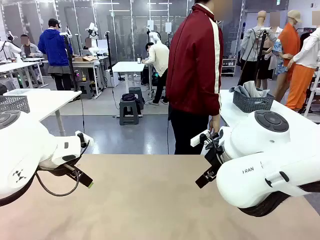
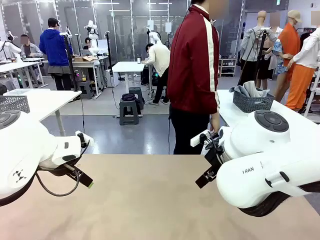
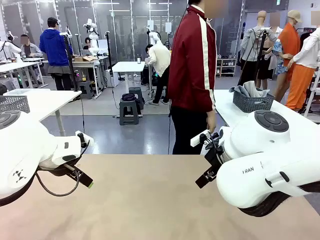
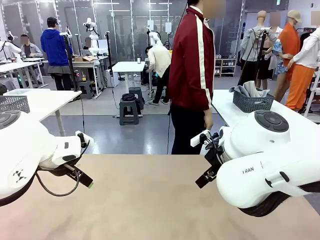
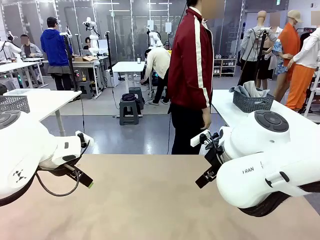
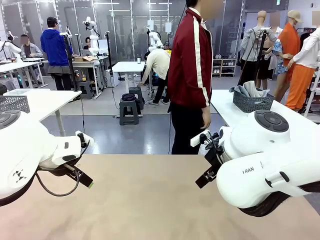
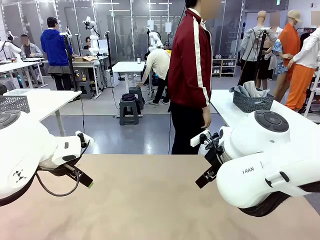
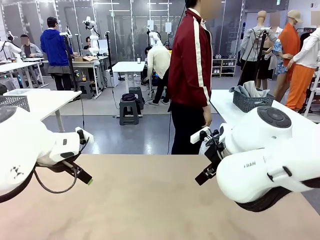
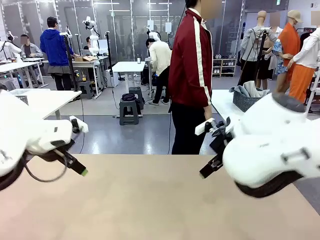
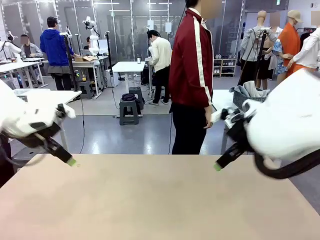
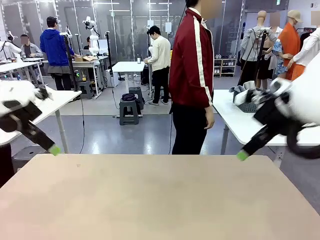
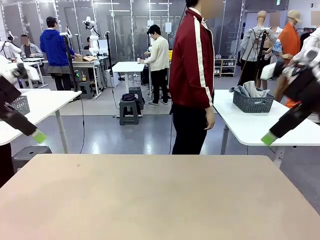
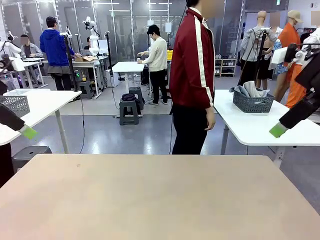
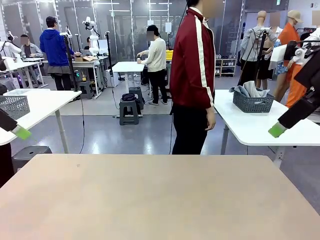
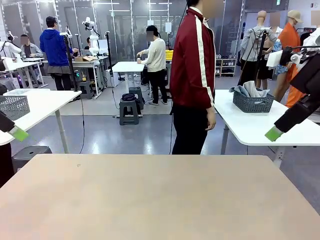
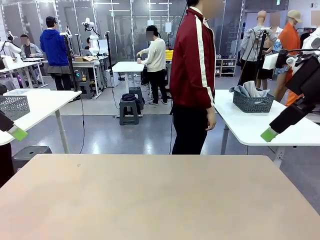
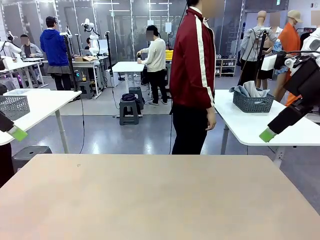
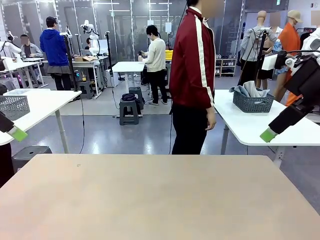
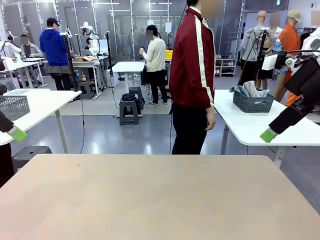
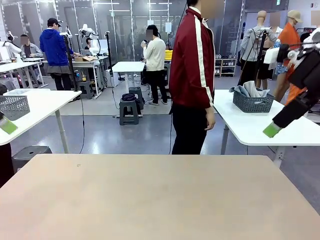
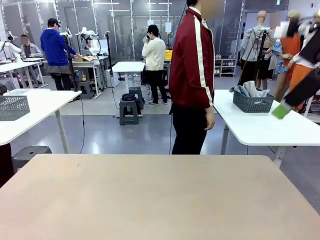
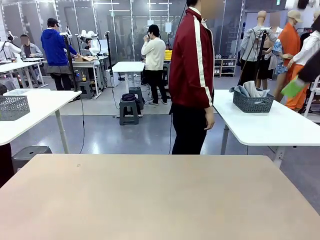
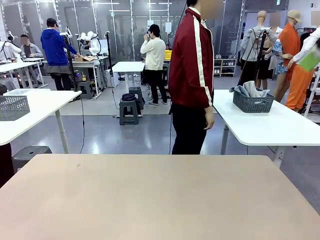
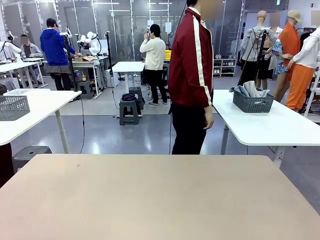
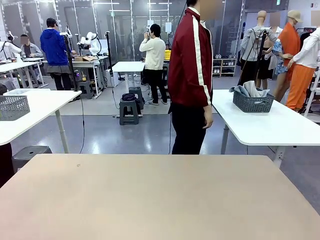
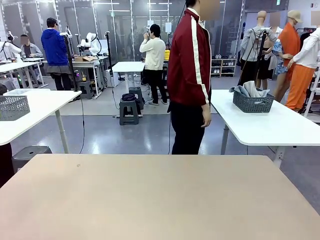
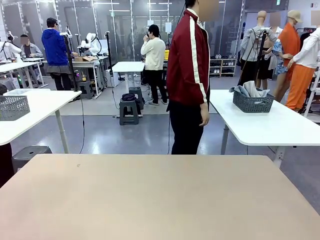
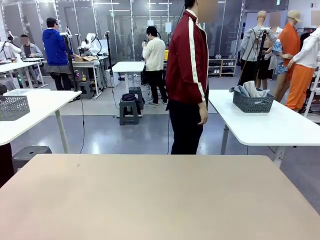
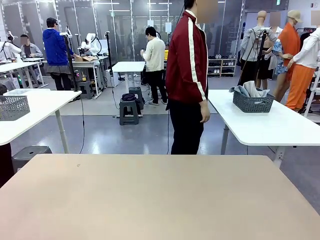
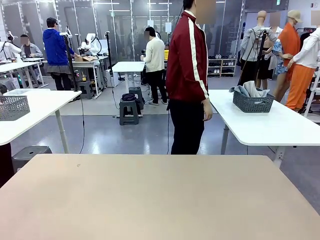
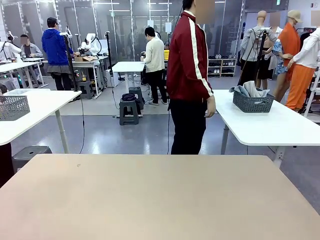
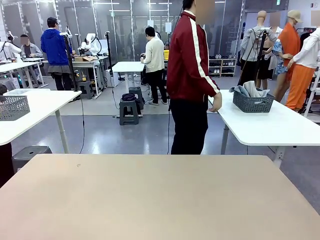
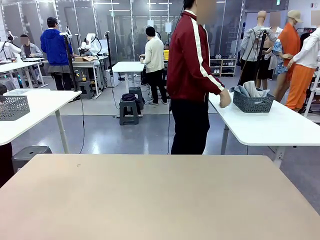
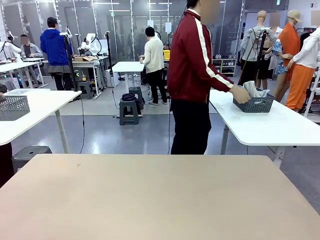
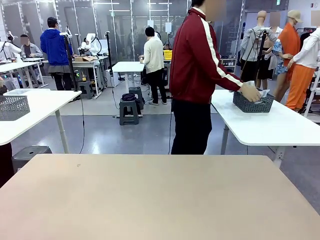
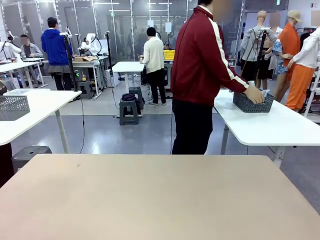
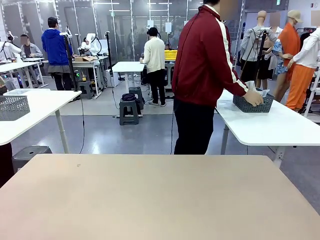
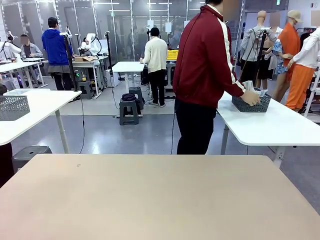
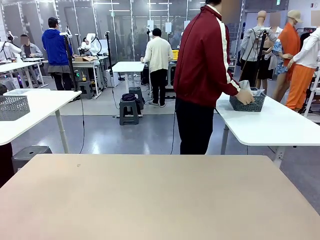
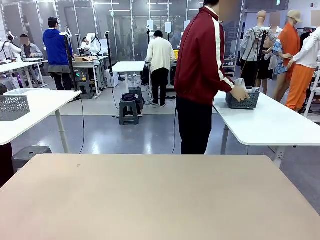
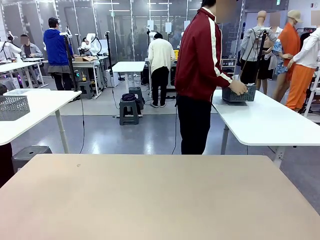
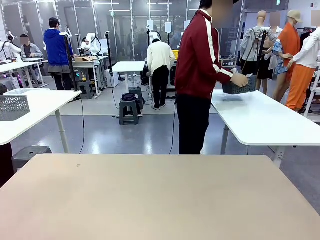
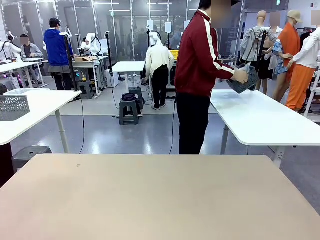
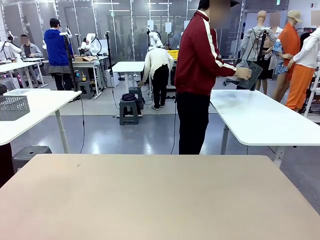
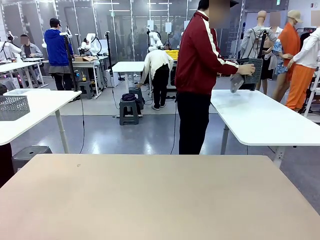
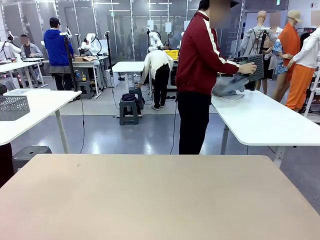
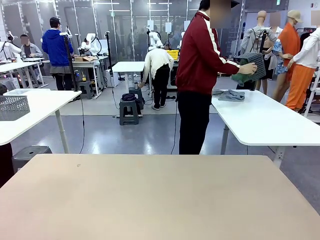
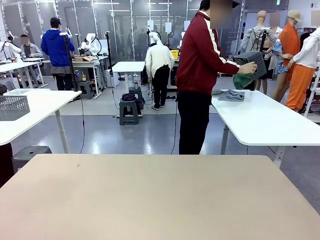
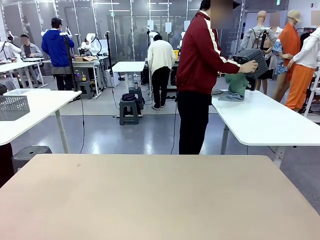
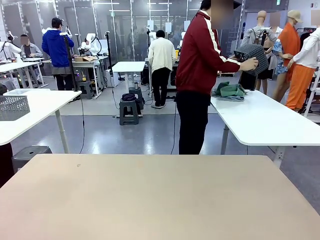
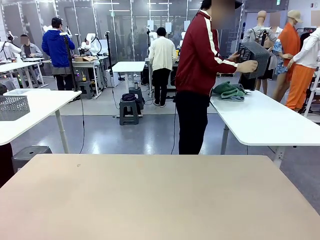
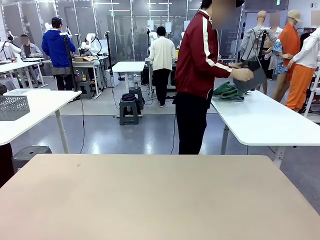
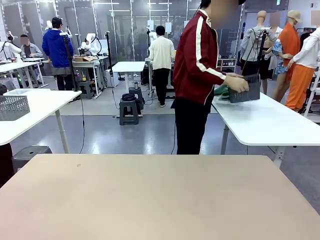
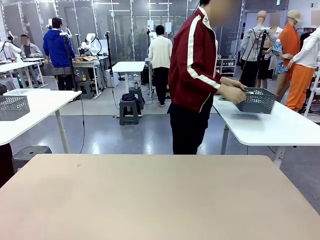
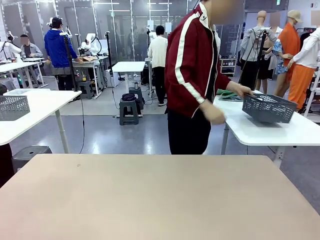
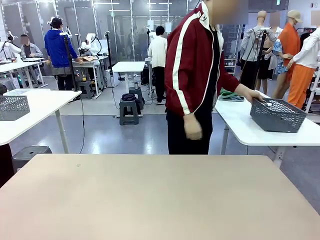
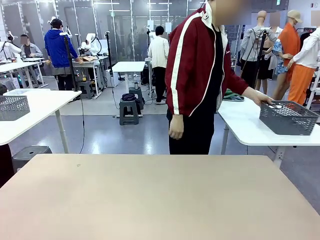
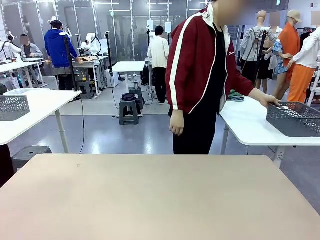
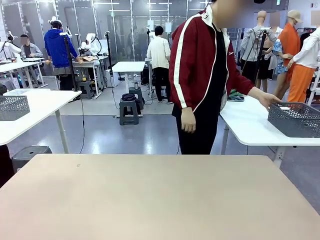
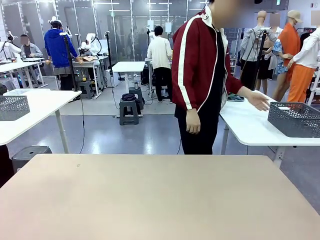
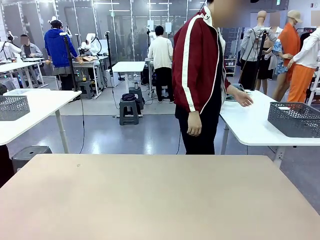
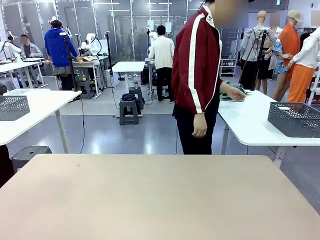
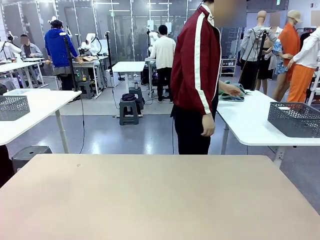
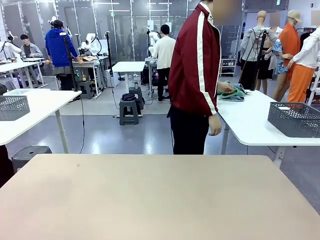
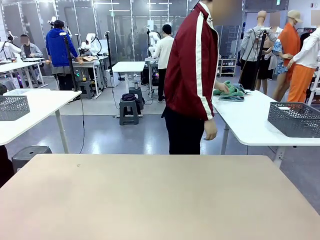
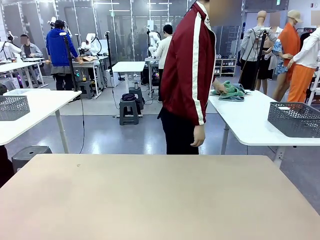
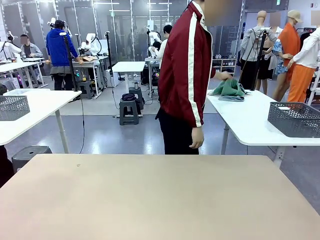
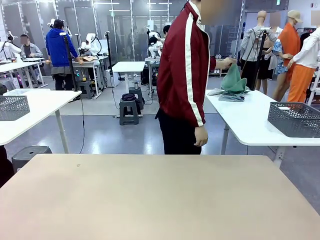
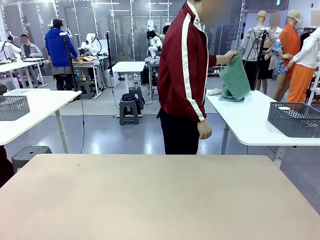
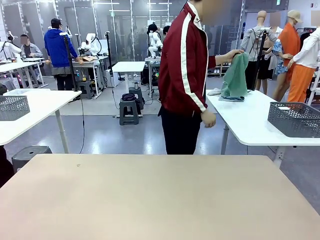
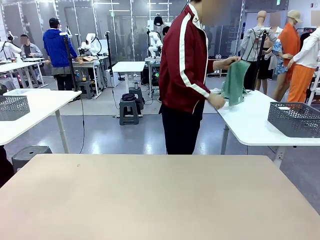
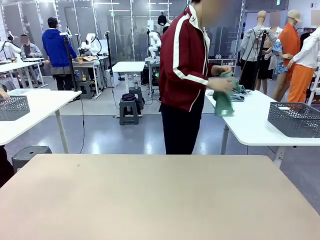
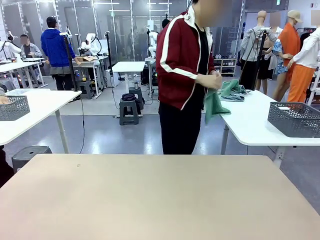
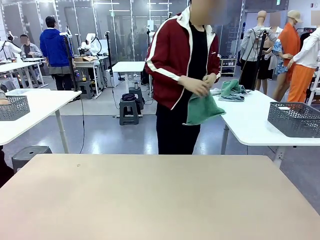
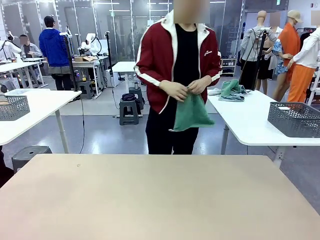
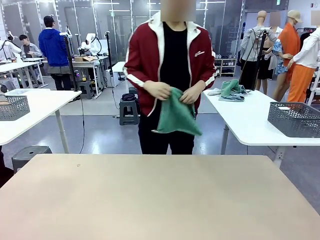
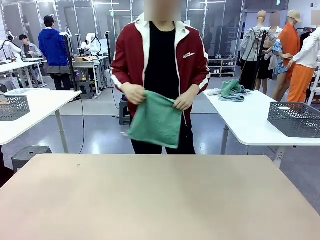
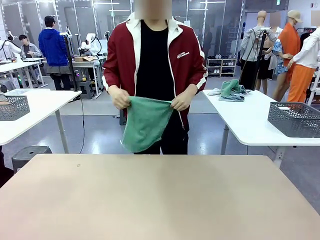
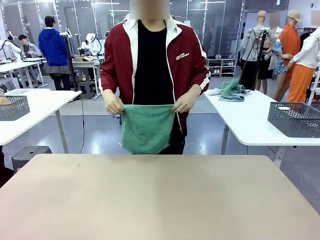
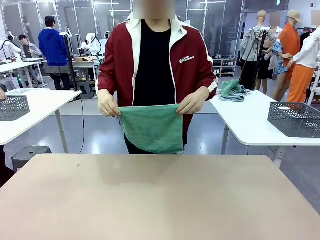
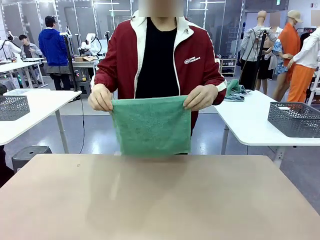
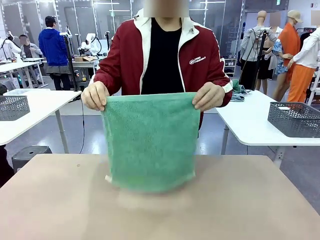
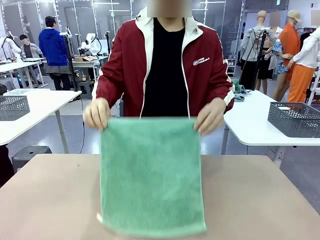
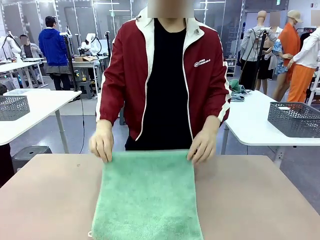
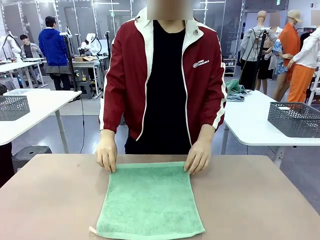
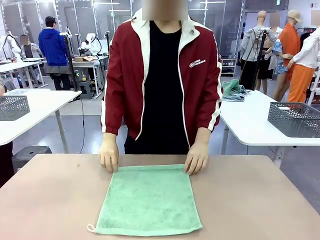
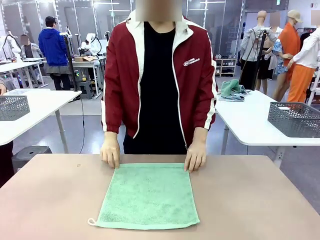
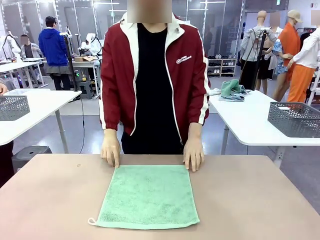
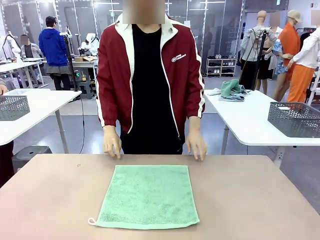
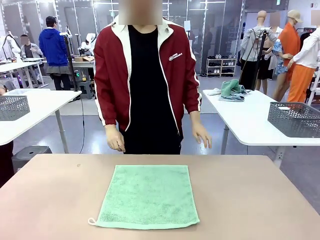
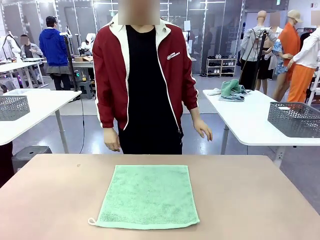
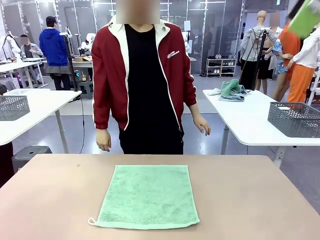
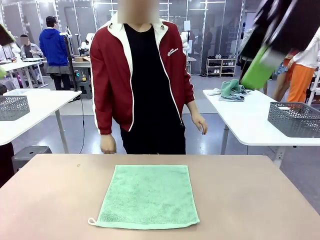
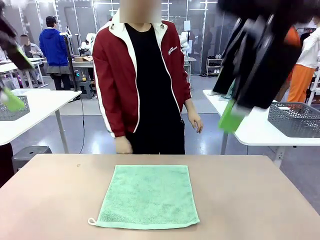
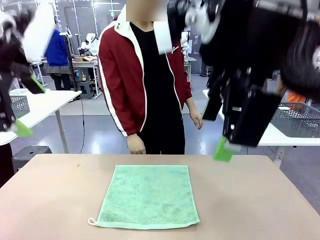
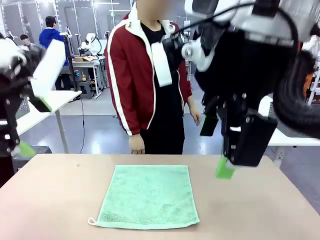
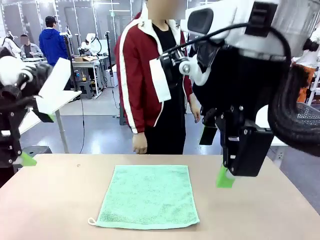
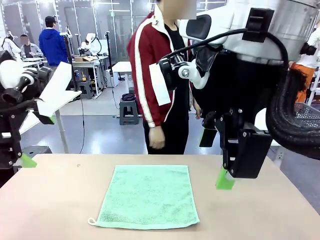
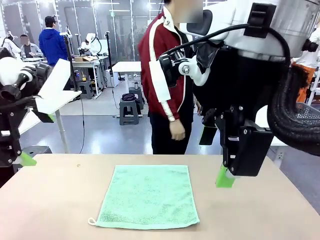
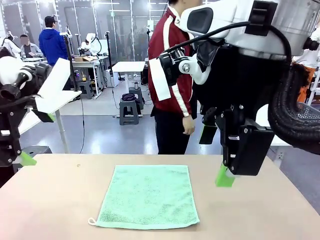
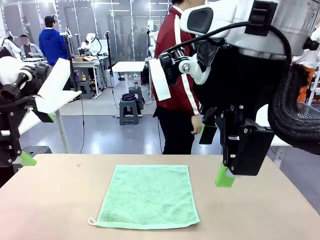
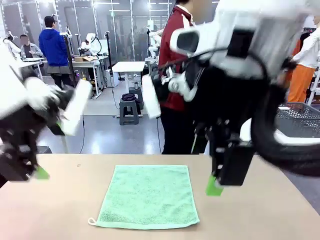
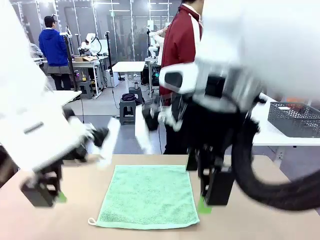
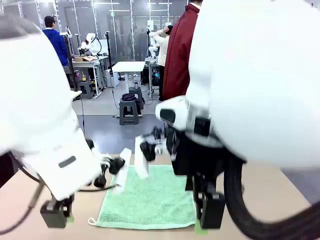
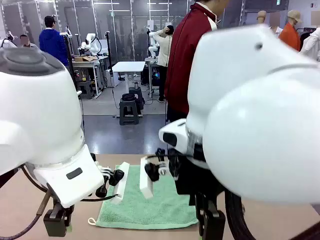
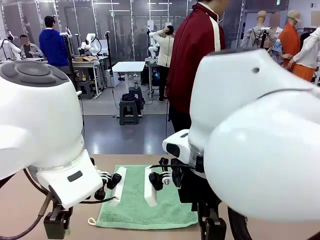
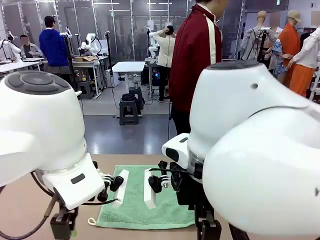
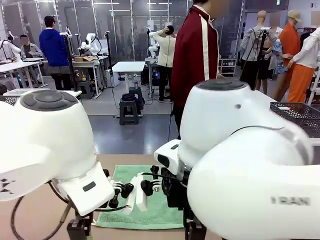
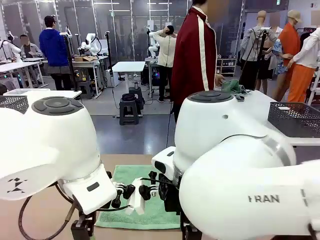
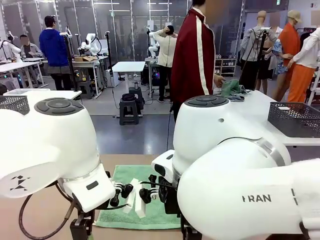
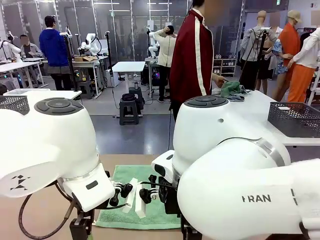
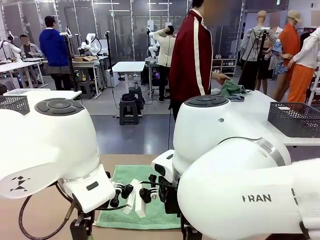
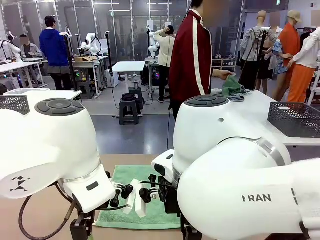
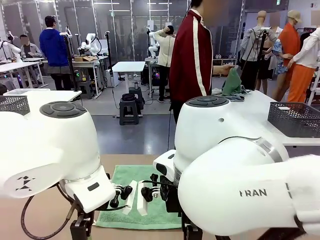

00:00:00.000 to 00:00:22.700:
Task: Fold the towels and place them in the basket.
Robot: When a person lays out a Towel with hook on the table, fold it in half twice.
Person: Pick up the basket, pour the towels onto the left side of the human table, and place the basket on the right side. Pick up one towel and spread it out at the center of the robot table.
